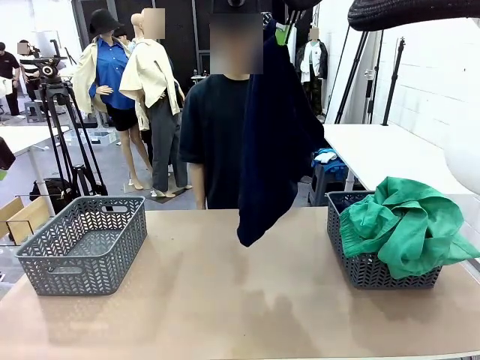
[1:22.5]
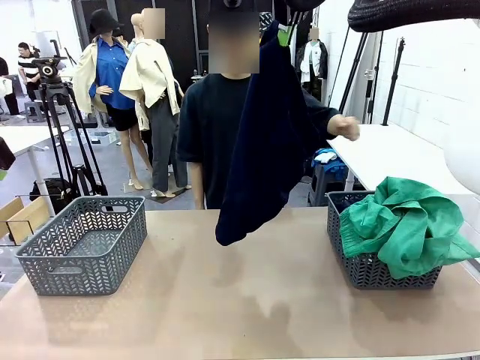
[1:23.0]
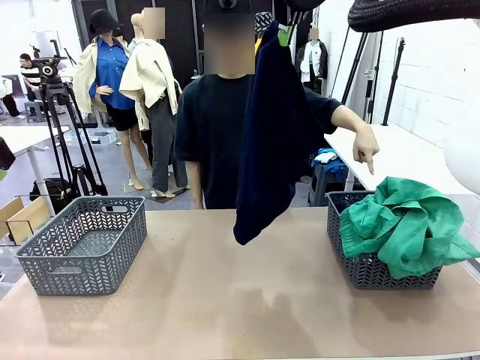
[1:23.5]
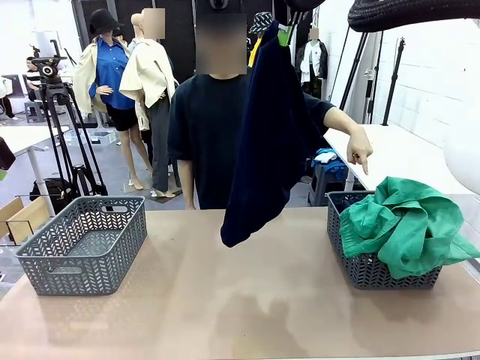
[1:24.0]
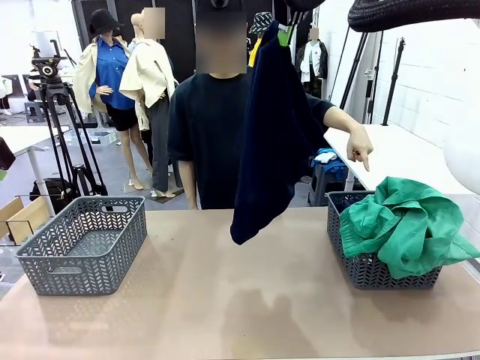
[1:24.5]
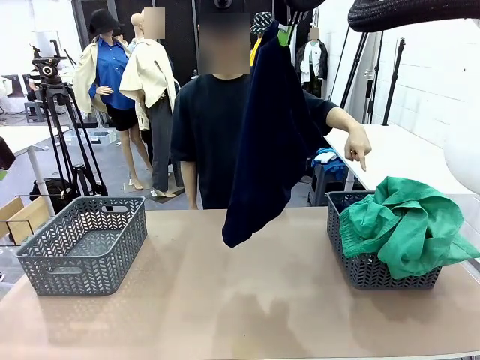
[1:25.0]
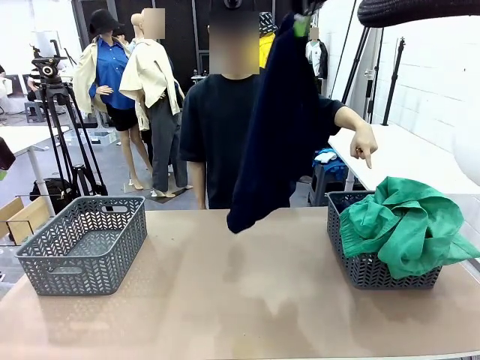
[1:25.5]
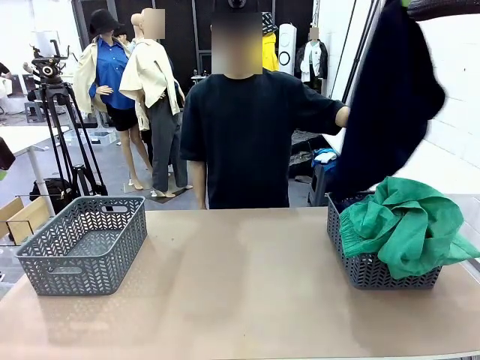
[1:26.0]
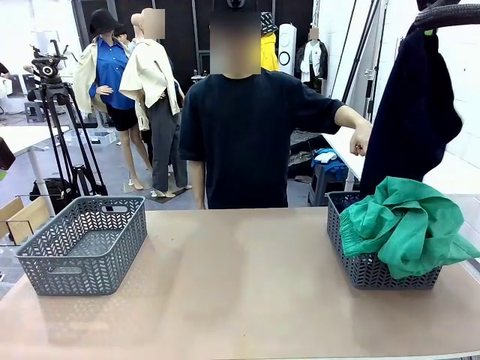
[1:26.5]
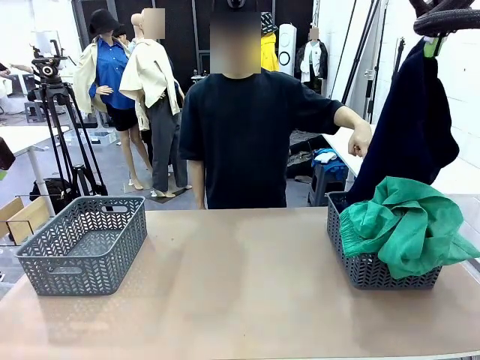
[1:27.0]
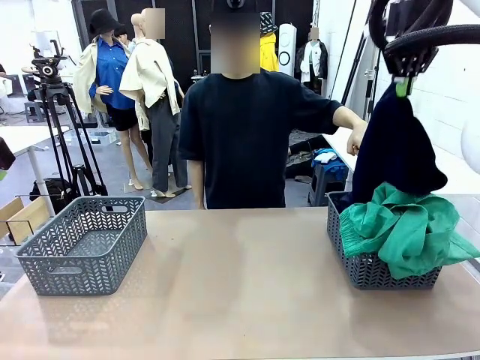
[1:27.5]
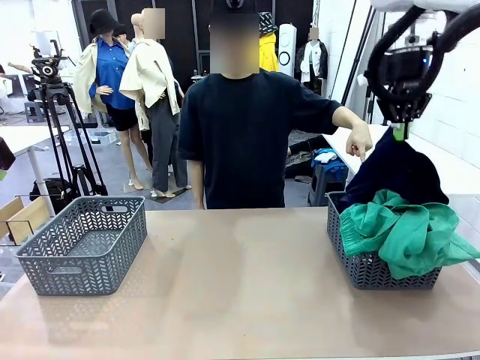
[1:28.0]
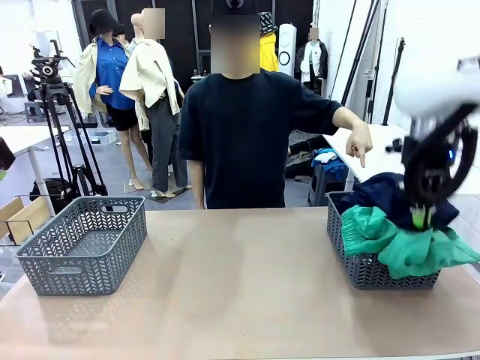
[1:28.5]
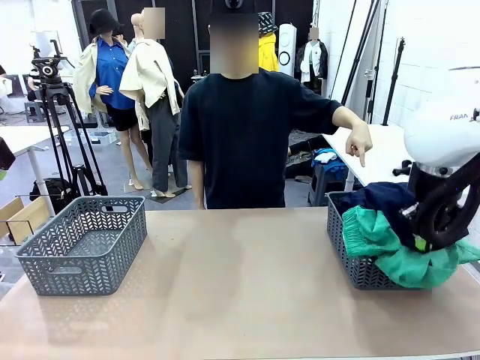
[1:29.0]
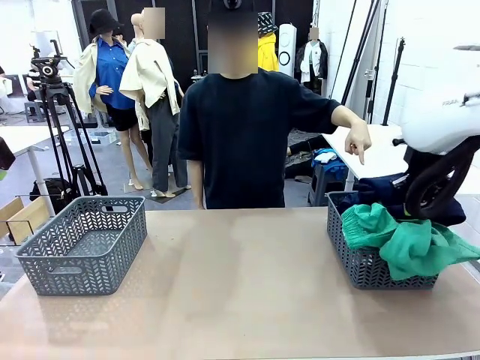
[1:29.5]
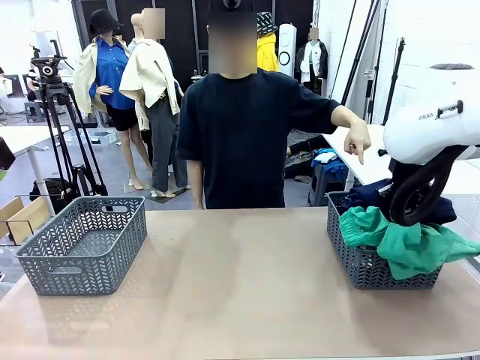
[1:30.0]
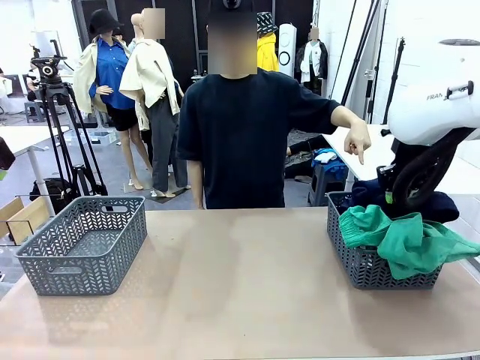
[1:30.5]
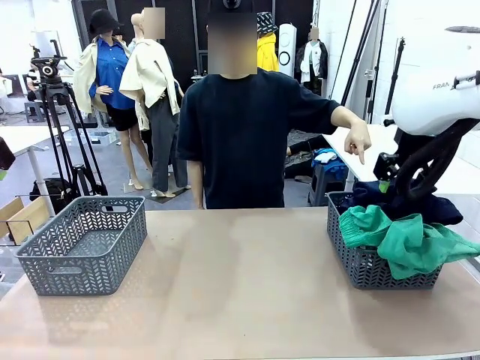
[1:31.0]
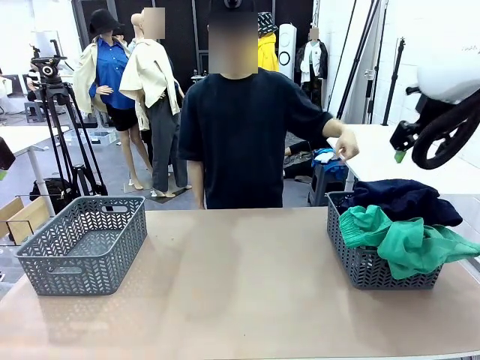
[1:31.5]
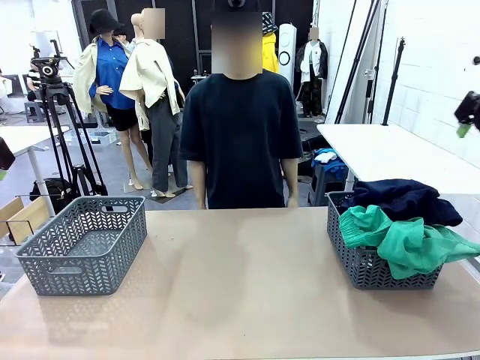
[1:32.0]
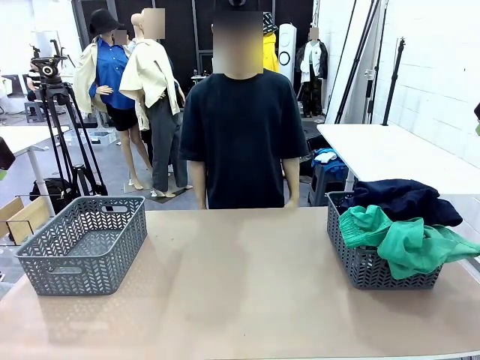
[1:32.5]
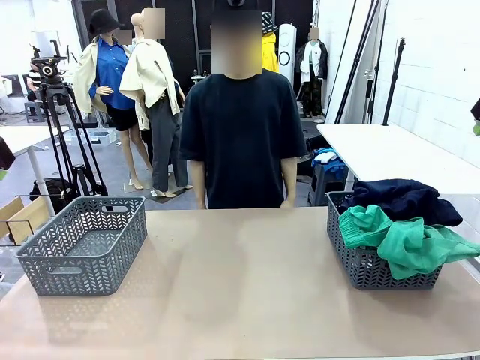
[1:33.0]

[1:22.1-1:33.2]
Task: Sort the tops and bottoms.
Robot: Sort the clothes according to human instructions.

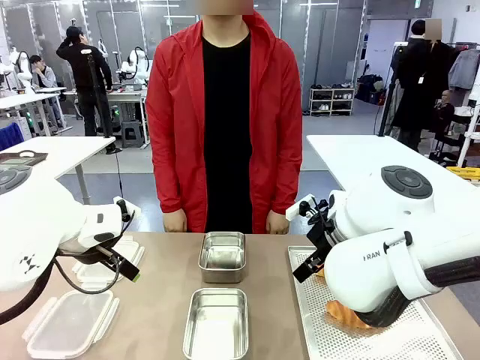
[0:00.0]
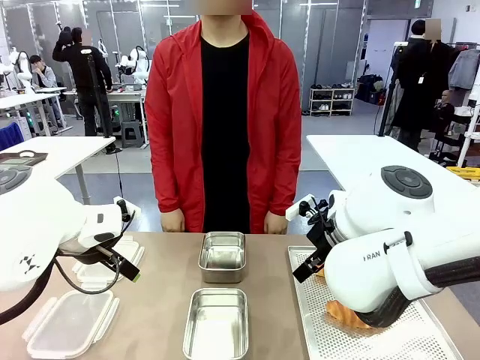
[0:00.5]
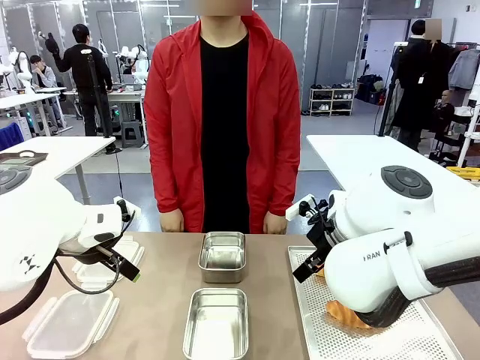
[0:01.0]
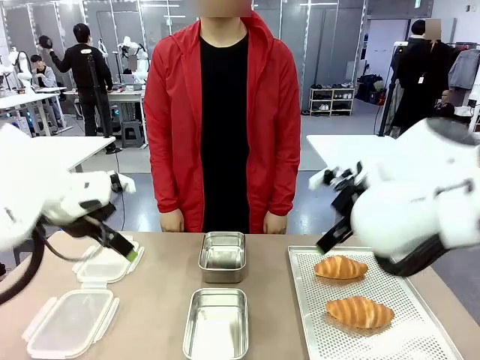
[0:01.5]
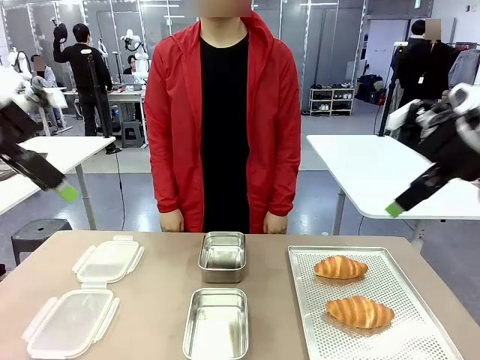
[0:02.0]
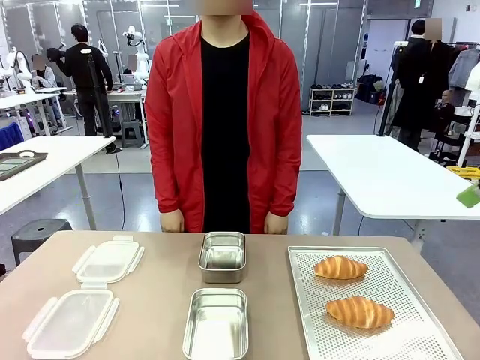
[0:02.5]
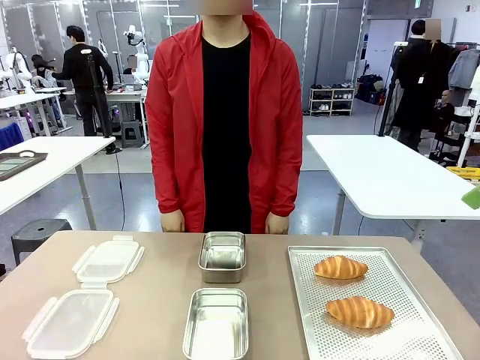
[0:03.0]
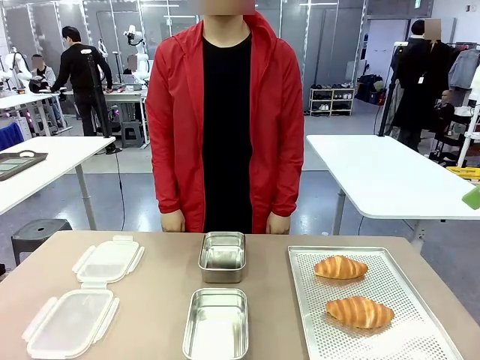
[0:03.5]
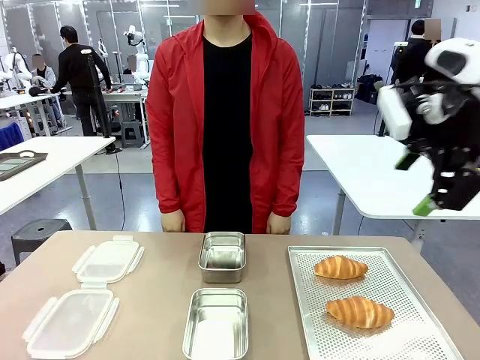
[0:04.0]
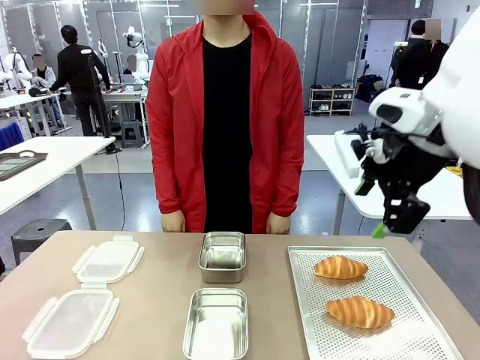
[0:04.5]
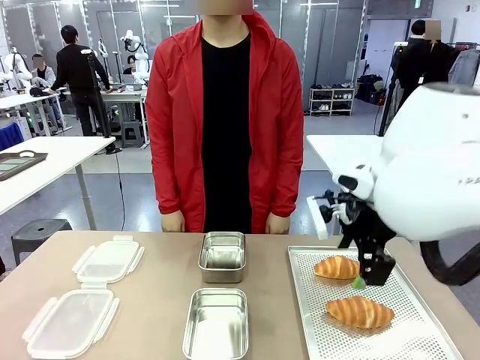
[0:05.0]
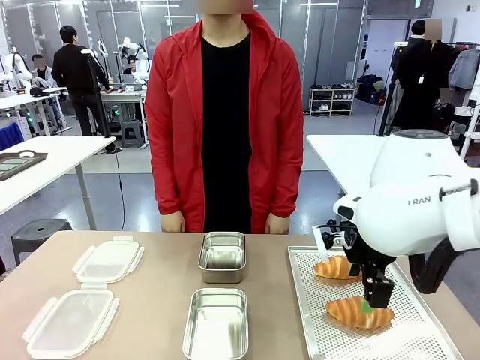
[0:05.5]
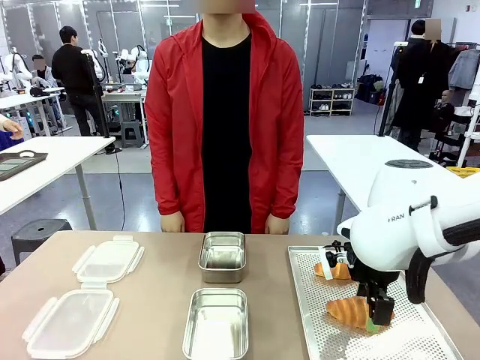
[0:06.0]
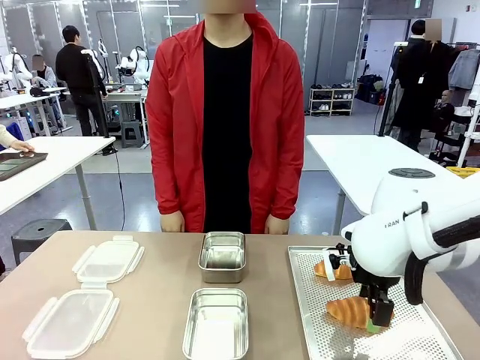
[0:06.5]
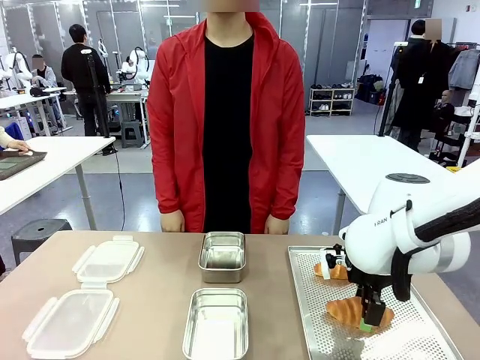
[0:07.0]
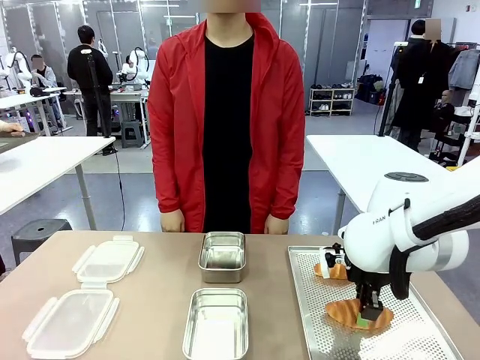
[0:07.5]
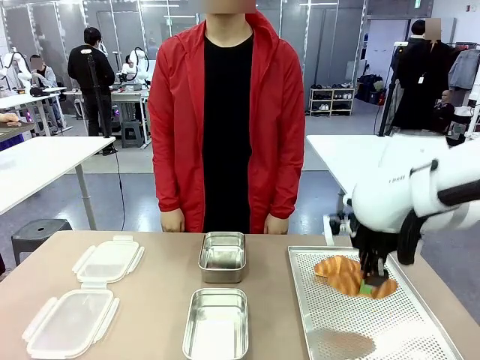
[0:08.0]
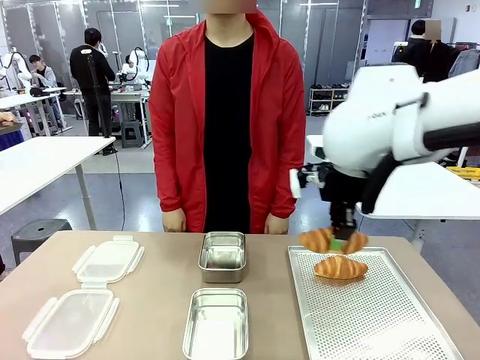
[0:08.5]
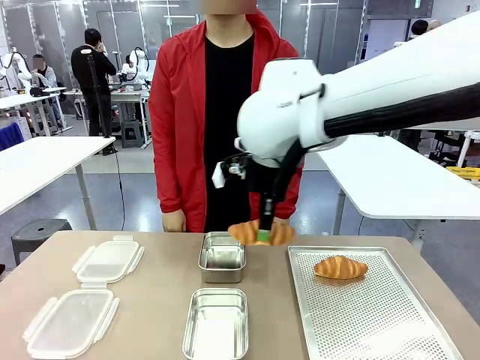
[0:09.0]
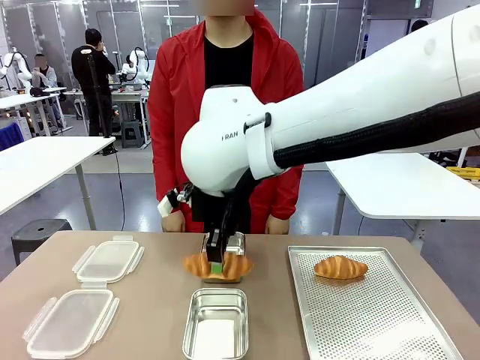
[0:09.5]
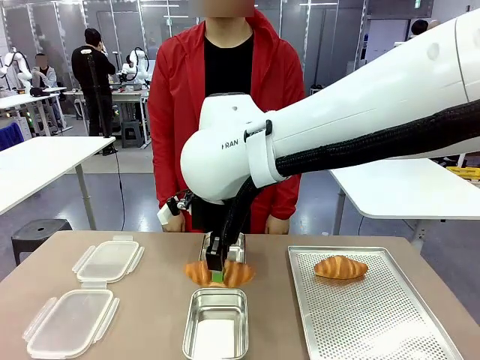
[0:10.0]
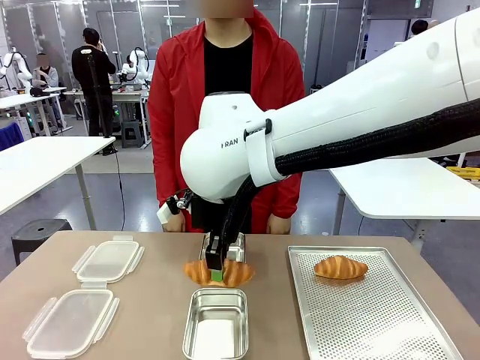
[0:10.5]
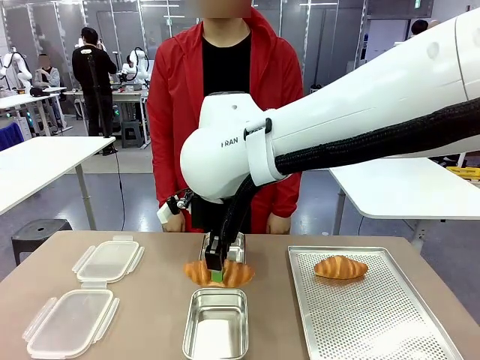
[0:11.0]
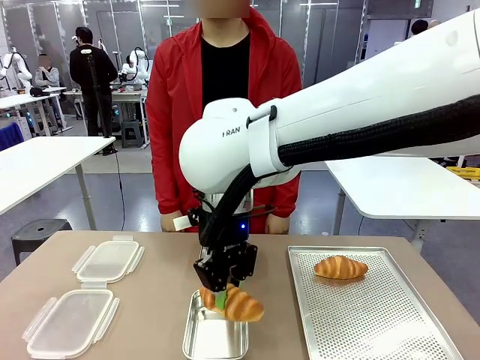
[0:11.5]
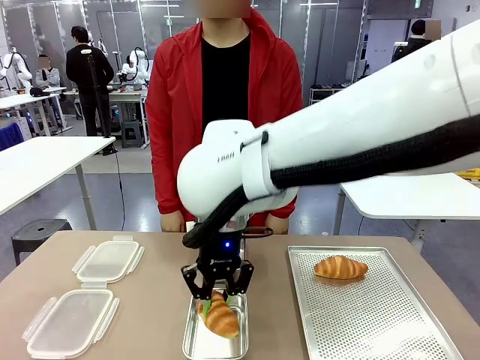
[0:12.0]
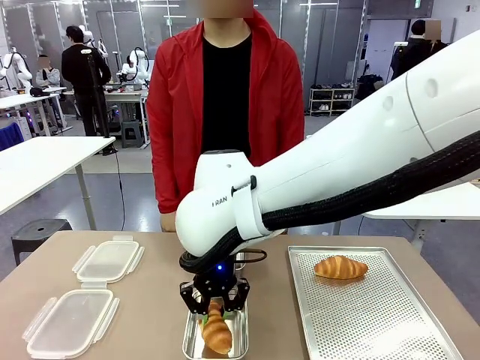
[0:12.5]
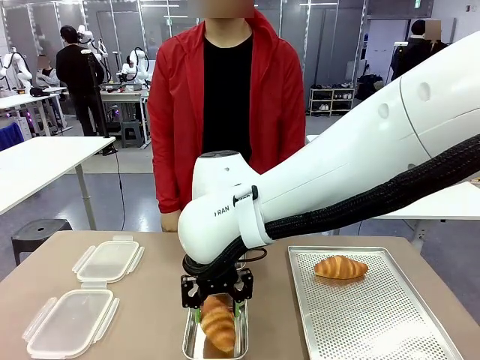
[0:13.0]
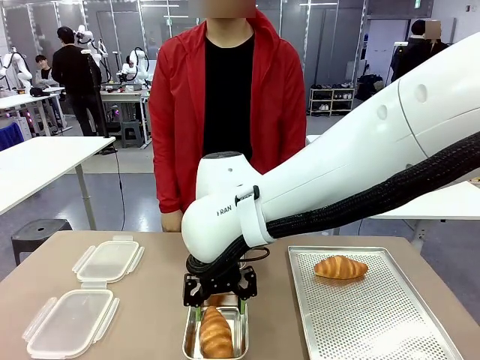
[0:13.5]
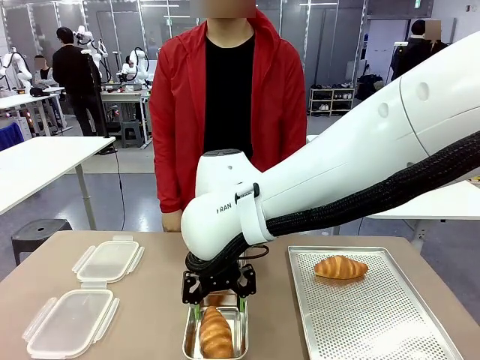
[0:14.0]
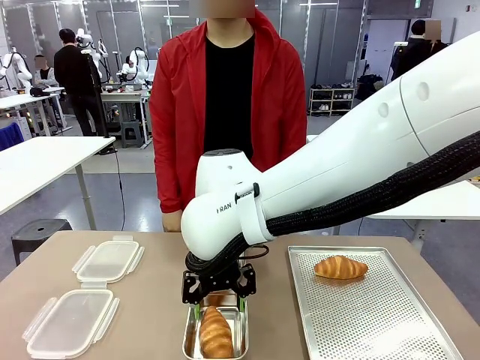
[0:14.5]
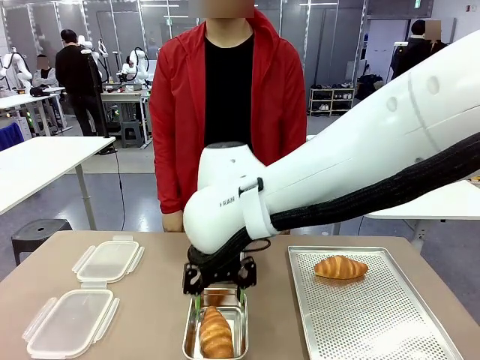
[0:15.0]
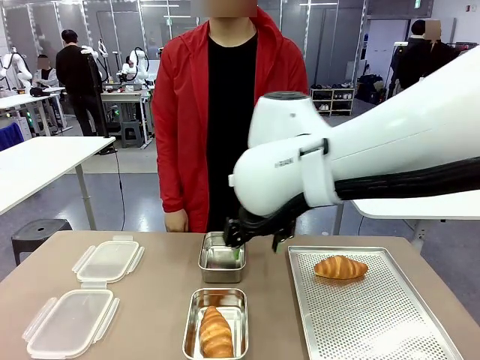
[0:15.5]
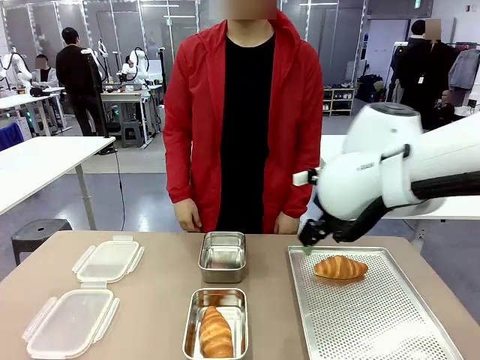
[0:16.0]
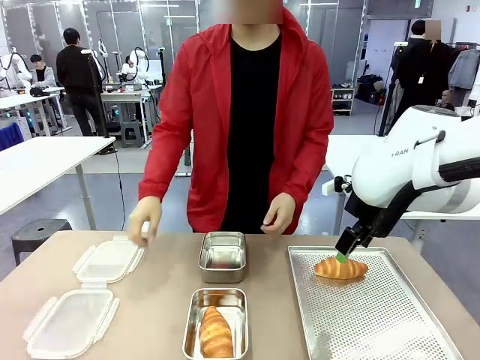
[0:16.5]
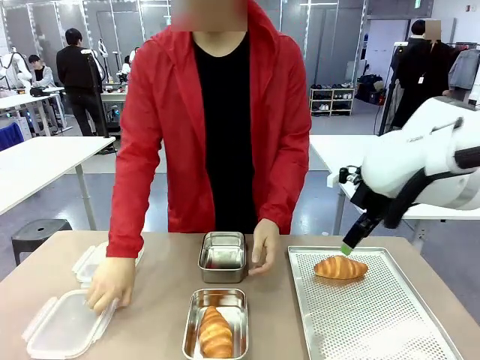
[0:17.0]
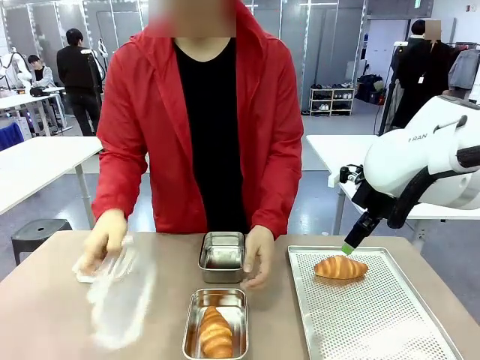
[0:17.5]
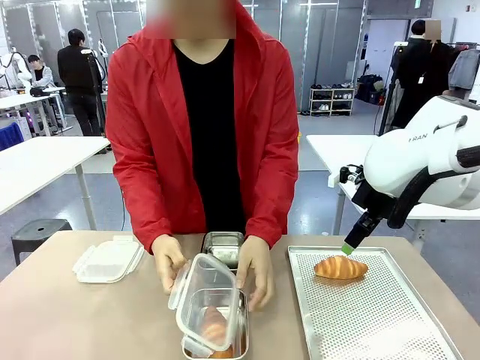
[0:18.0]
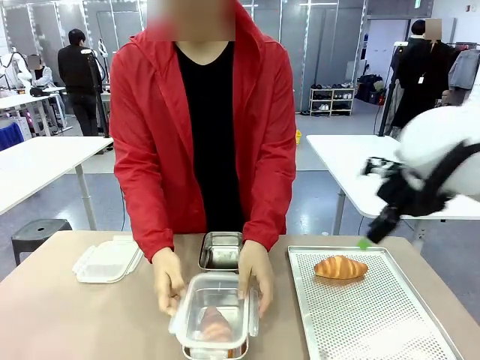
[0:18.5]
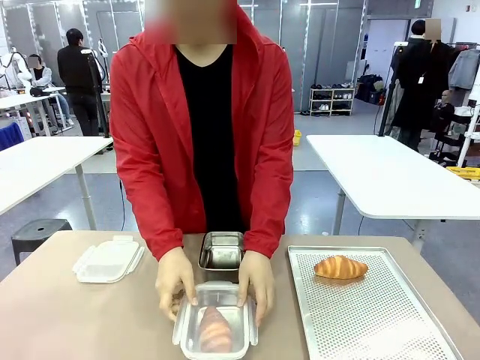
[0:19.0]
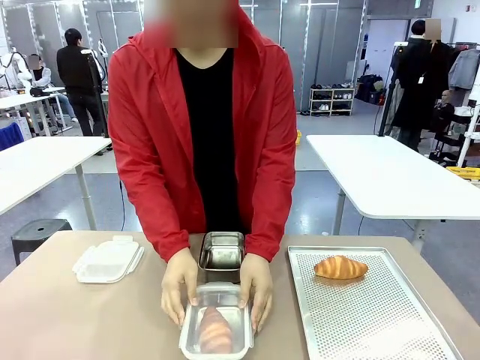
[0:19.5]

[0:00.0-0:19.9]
Task: Place the bread into the airtight container.
Robot: Pick up a Butter Roll and place it into an empty Airtight Container.
